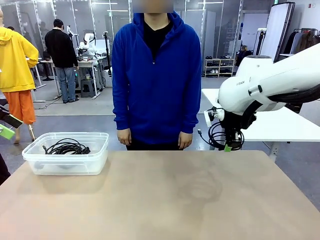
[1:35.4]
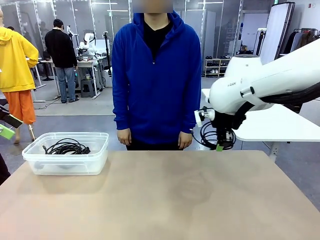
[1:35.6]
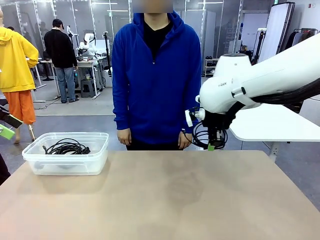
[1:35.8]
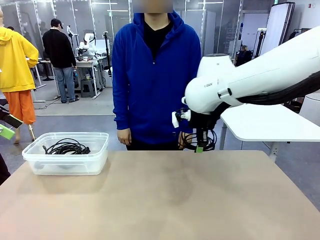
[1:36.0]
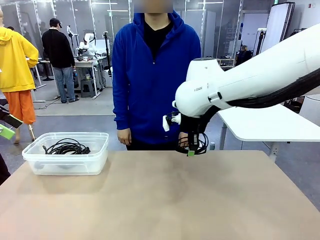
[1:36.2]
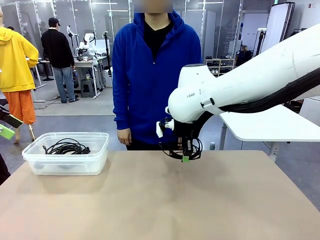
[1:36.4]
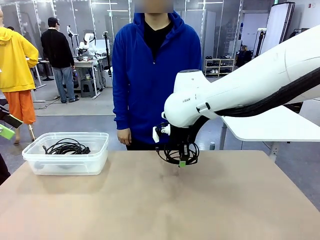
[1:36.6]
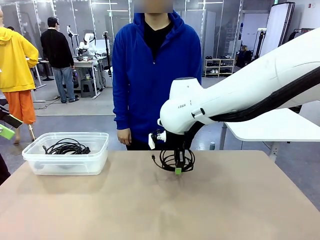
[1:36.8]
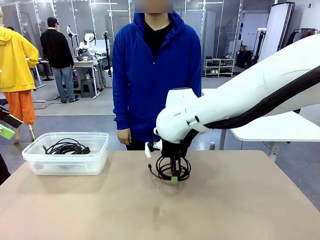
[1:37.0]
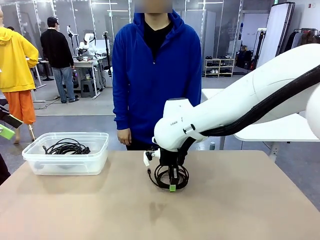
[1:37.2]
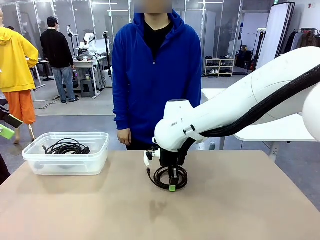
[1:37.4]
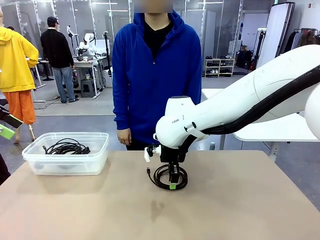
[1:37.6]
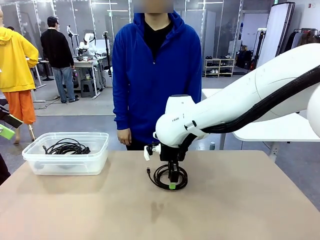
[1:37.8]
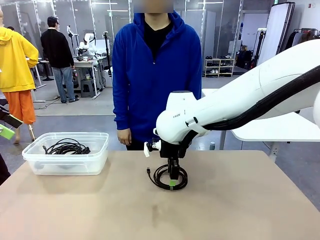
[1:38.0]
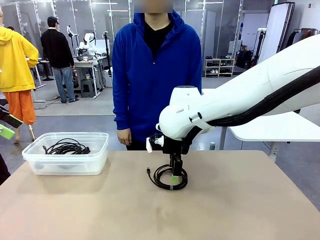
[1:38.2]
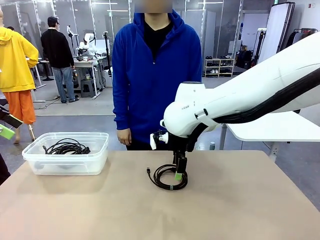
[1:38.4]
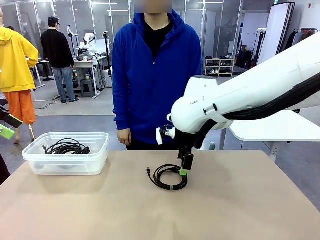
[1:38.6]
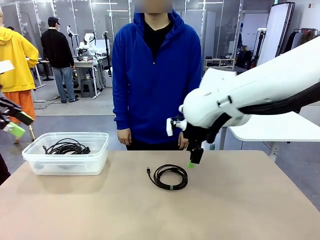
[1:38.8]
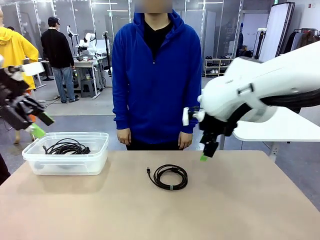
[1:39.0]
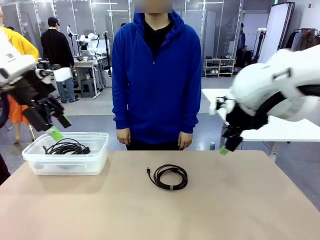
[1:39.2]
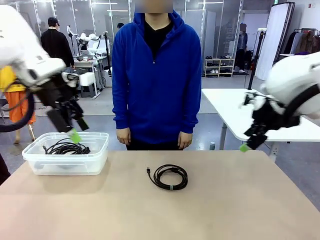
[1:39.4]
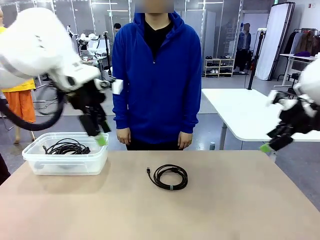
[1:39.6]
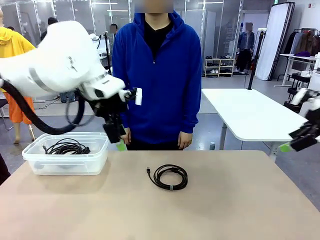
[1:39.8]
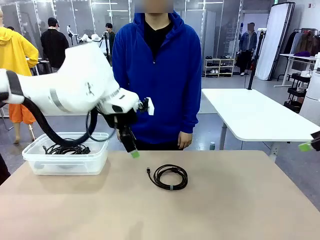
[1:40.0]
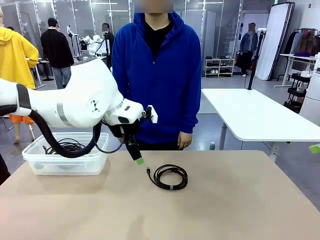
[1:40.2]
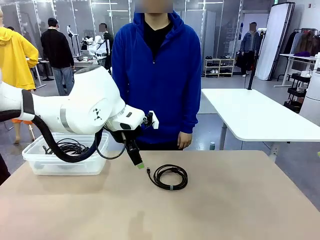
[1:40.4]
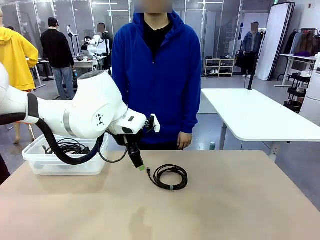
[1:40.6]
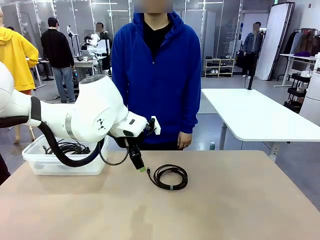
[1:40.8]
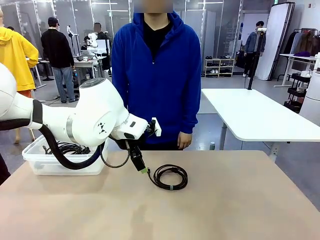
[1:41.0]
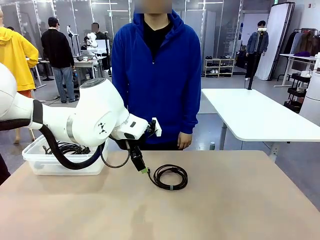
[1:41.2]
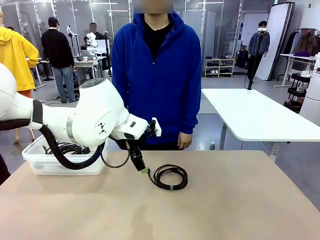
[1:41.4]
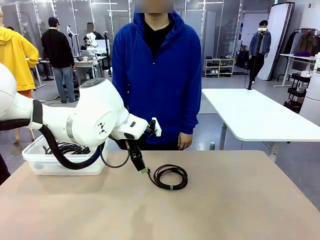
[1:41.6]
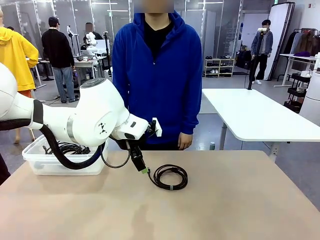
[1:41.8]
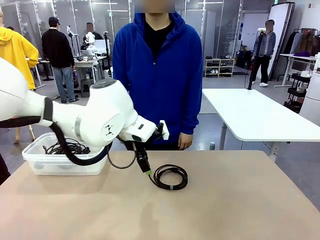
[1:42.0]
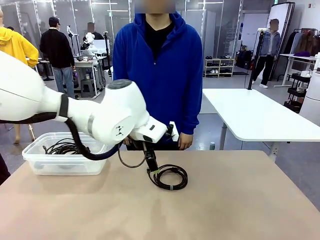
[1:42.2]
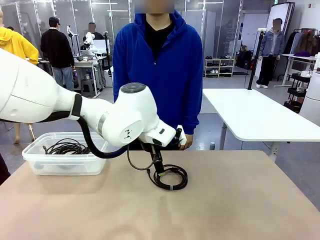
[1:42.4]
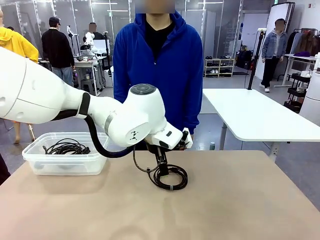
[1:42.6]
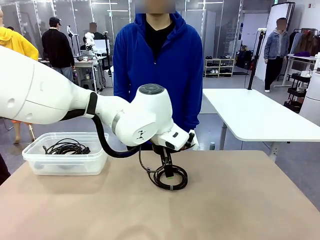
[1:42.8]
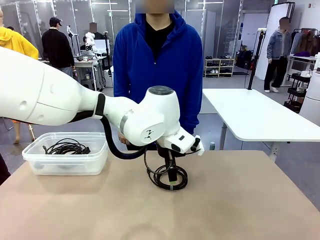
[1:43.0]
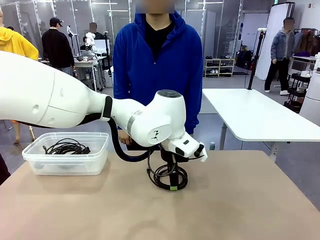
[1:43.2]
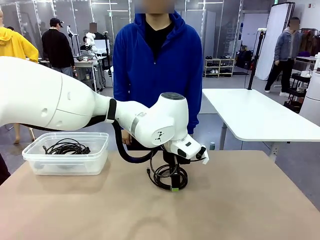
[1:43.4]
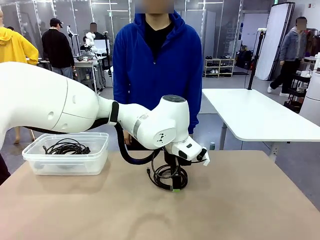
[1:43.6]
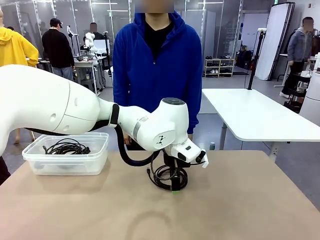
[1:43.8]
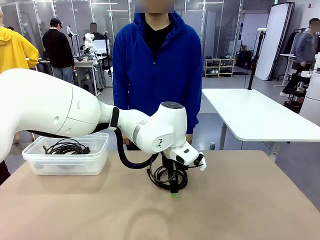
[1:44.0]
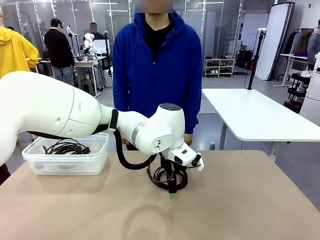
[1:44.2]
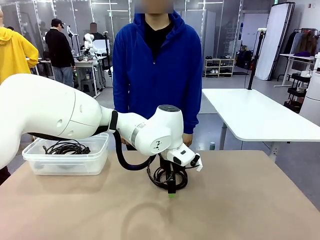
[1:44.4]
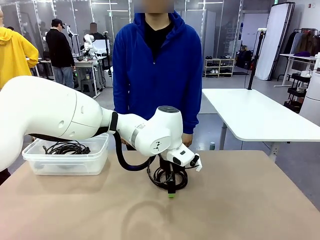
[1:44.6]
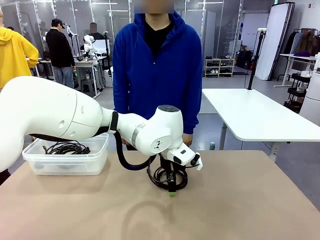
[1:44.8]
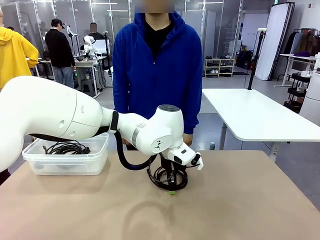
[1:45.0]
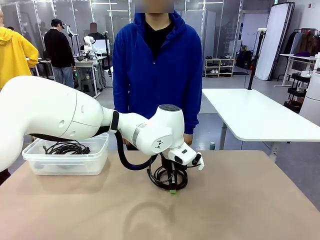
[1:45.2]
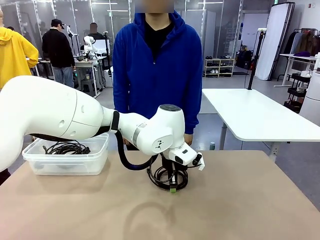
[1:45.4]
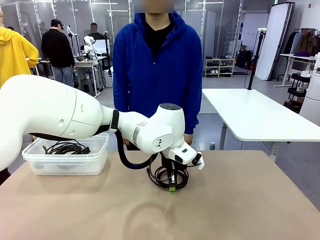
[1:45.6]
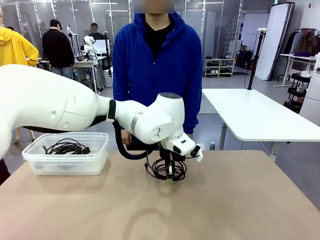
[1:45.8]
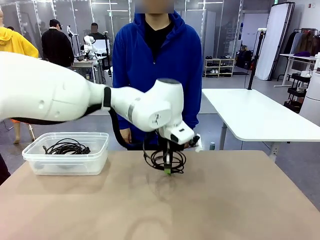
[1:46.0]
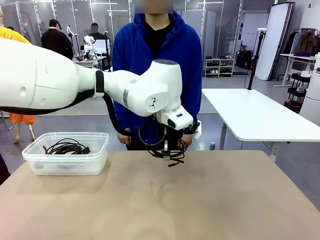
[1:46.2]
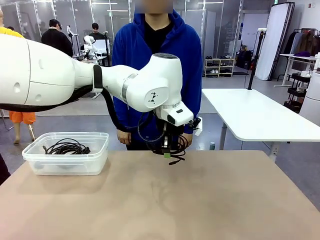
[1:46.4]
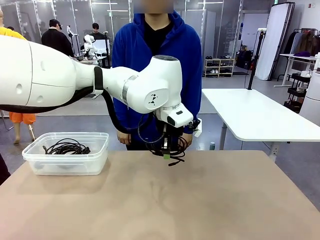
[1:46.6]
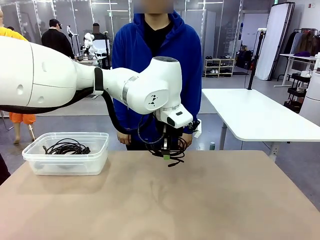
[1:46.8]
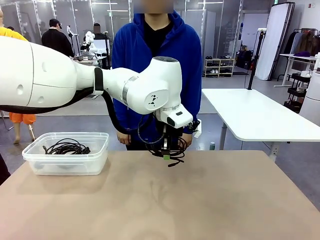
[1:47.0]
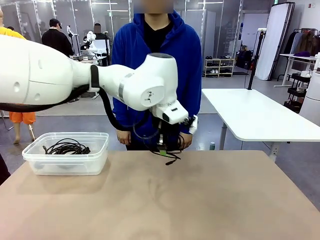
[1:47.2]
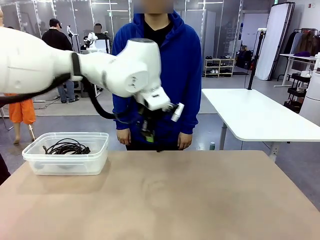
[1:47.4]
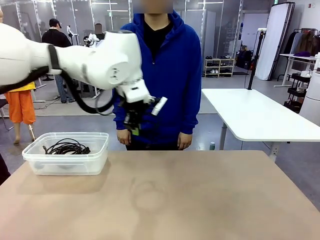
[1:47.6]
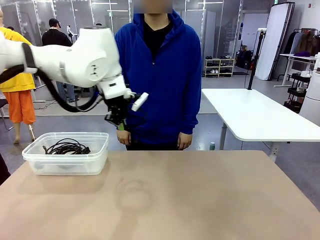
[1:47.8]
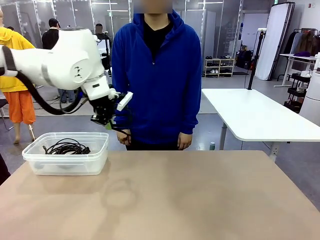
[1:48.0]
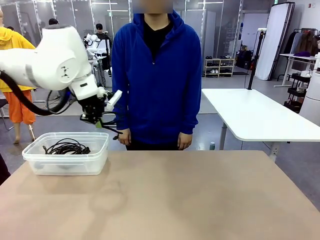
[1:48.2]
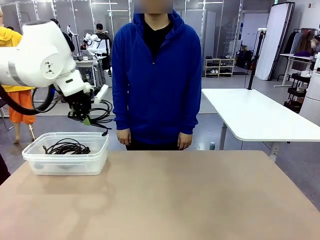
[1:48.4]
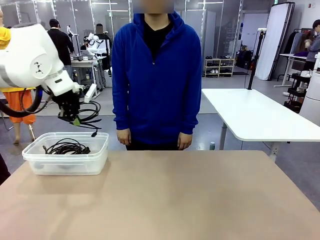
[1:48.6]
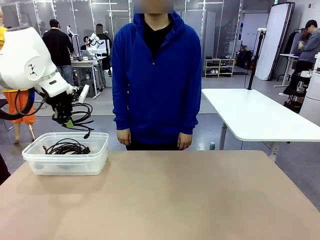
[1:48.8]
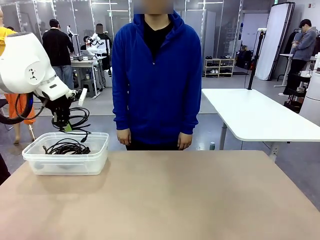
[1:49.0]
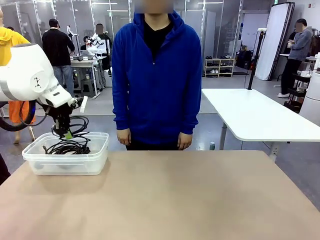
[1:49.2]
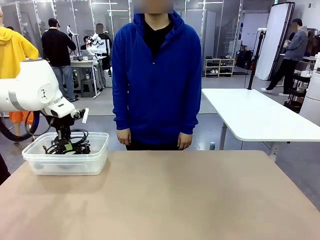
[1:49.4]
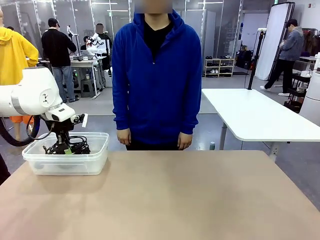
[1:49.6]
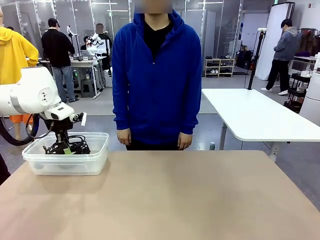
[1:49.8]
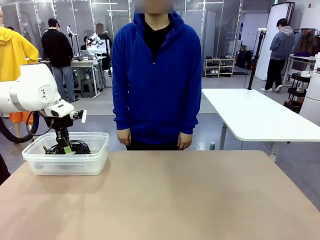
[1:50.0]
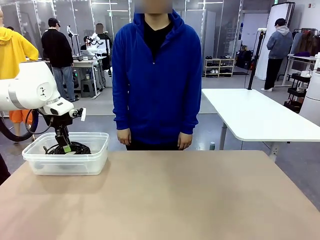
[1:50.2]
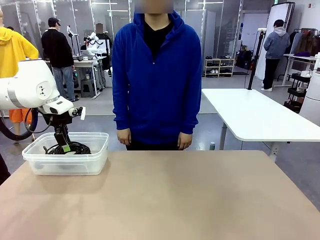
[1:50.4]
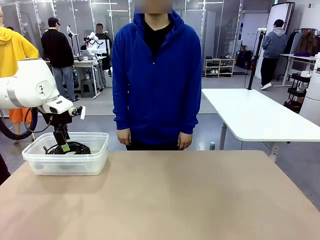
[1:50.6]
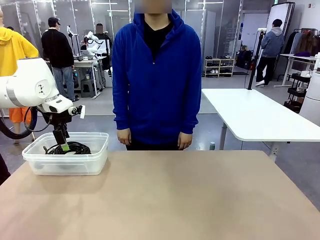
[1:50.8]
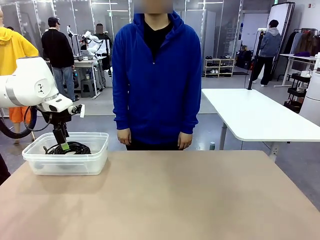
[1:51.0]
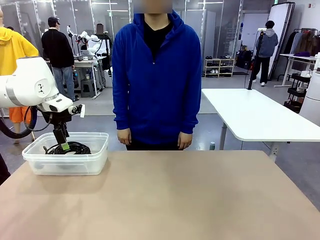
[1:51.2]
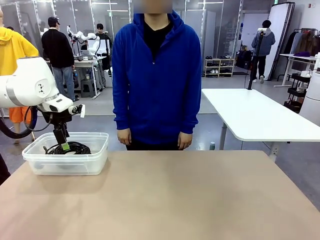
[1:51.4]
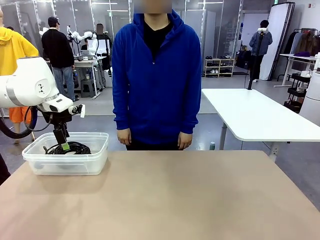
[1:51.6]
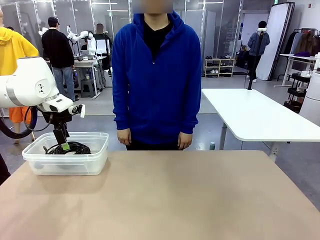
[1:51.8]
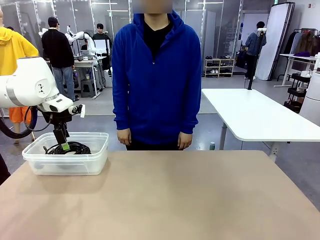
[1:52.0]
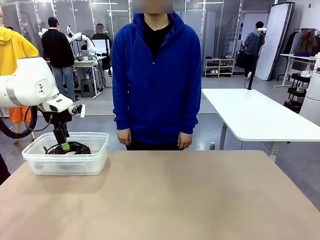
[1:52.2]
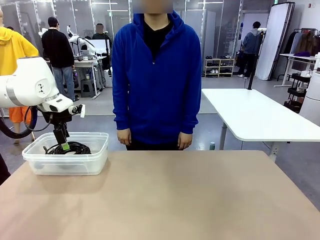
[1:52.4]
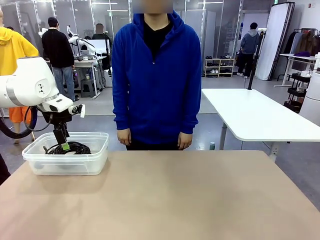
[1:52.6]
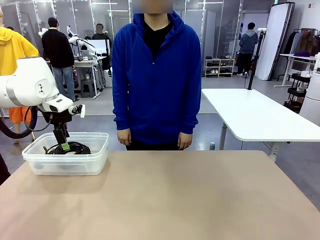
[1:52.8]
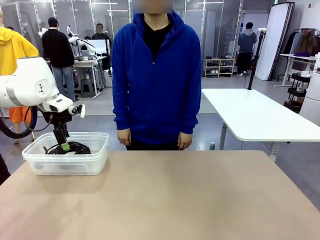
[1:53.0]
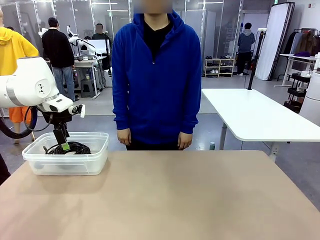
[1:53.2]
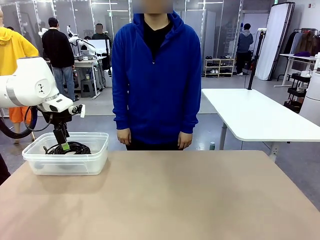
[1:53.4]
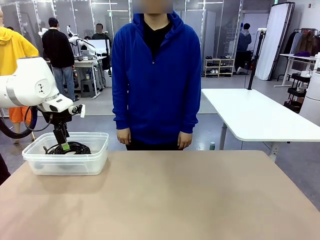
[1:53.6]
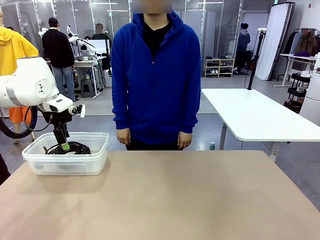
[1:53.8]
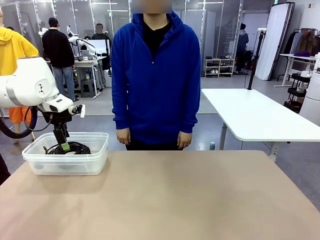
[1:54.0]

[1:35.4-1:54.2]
Task: Organize and store the cables.
Robot: Place the USB Extension Cable into the Organizing box.
